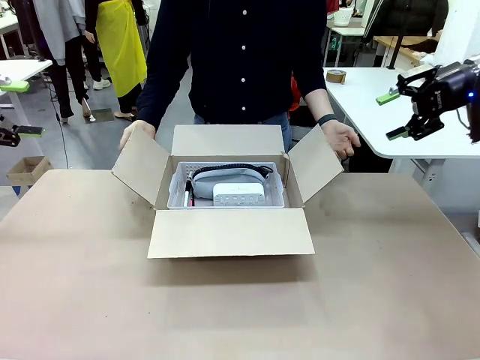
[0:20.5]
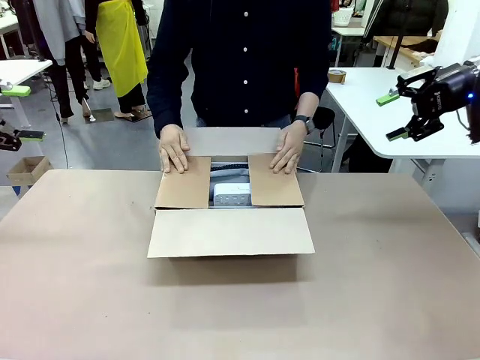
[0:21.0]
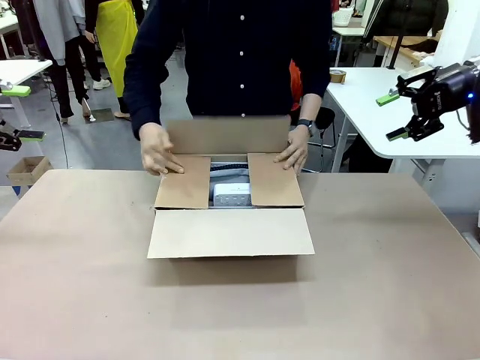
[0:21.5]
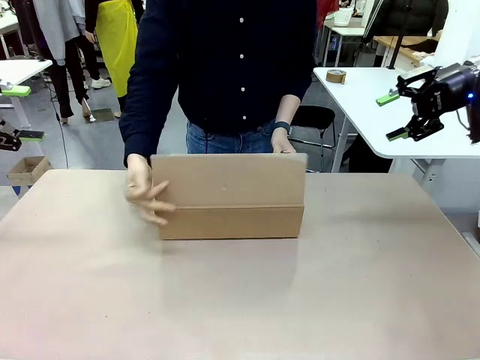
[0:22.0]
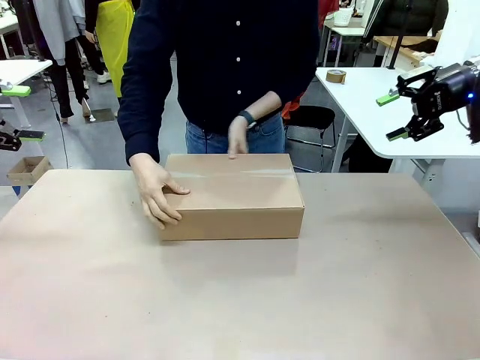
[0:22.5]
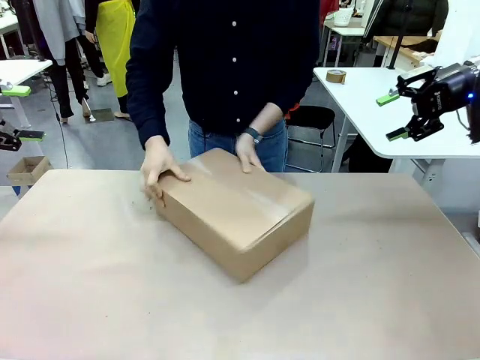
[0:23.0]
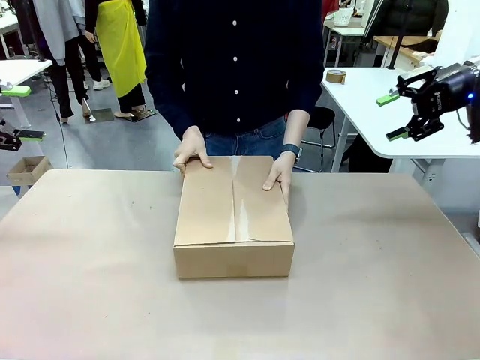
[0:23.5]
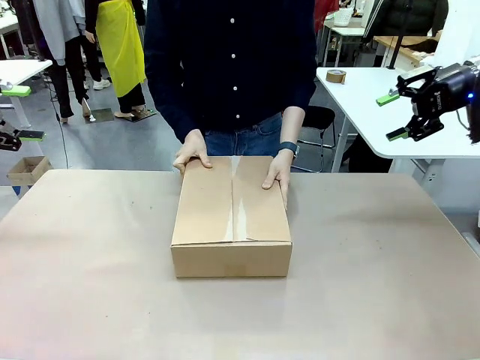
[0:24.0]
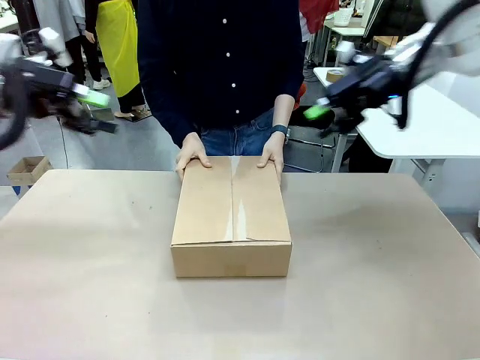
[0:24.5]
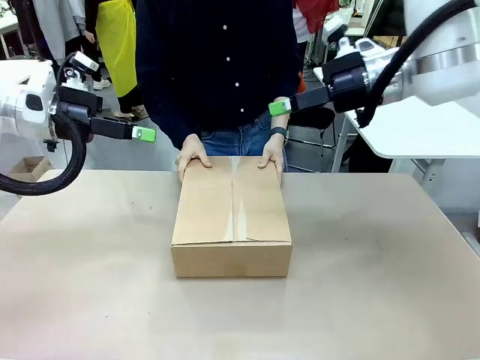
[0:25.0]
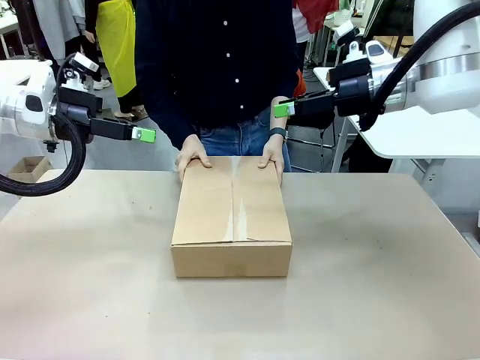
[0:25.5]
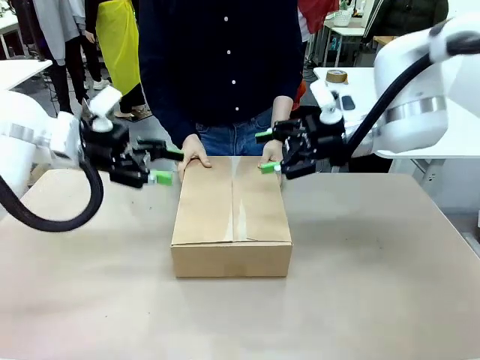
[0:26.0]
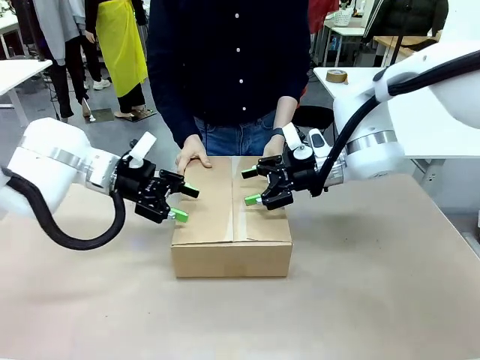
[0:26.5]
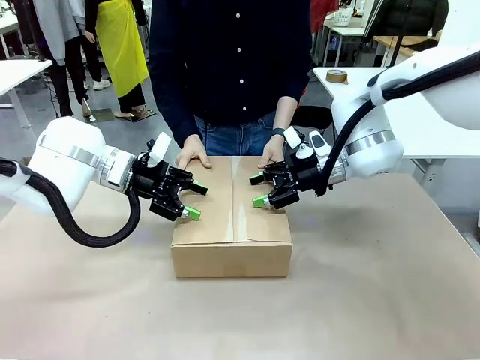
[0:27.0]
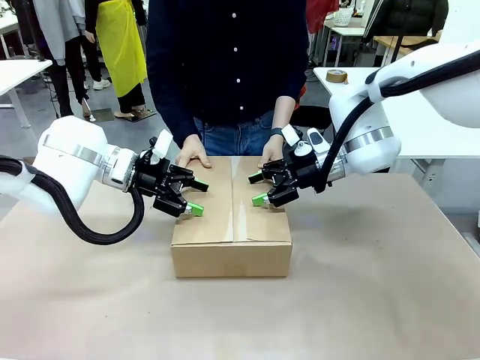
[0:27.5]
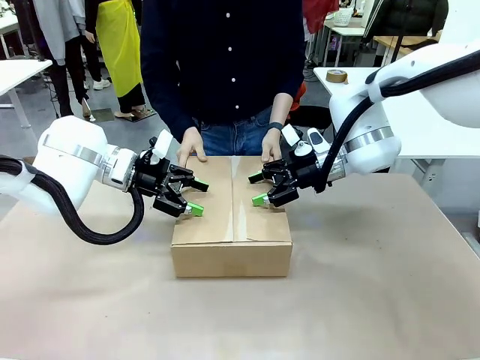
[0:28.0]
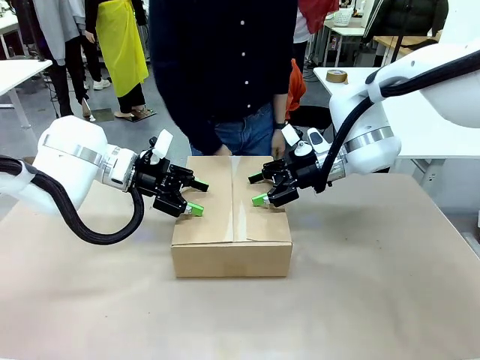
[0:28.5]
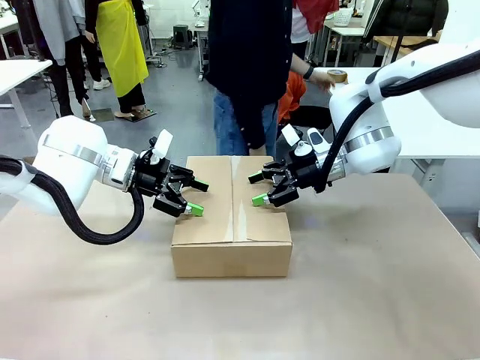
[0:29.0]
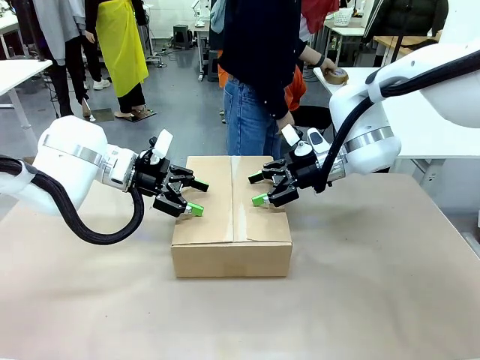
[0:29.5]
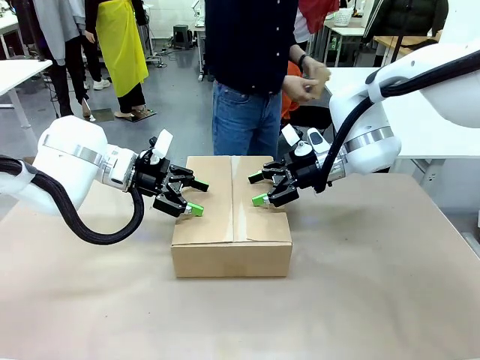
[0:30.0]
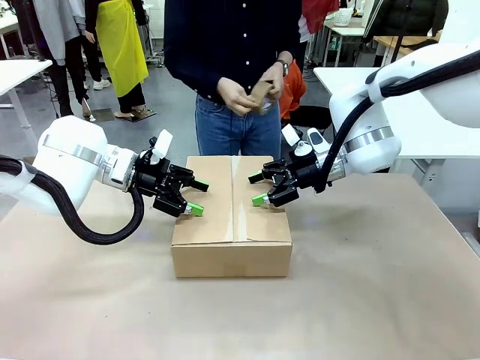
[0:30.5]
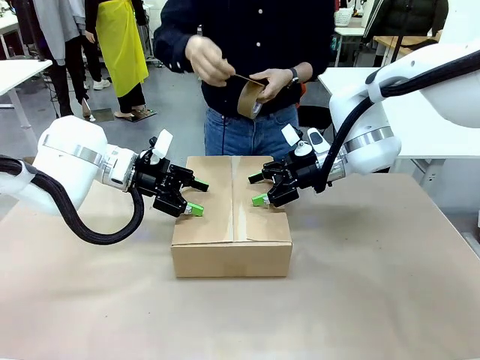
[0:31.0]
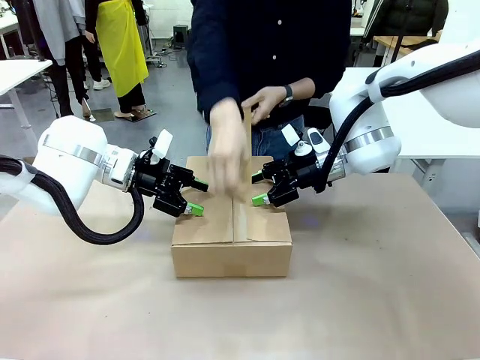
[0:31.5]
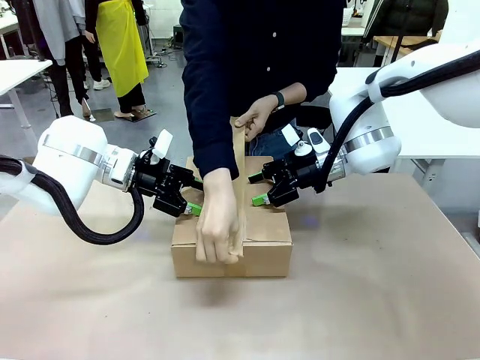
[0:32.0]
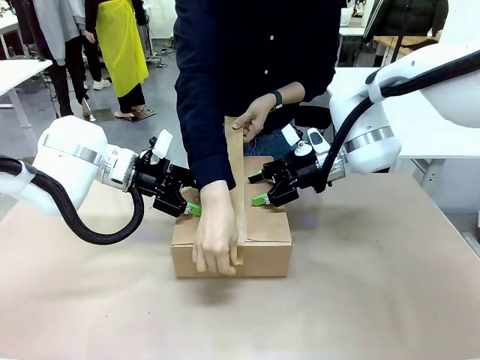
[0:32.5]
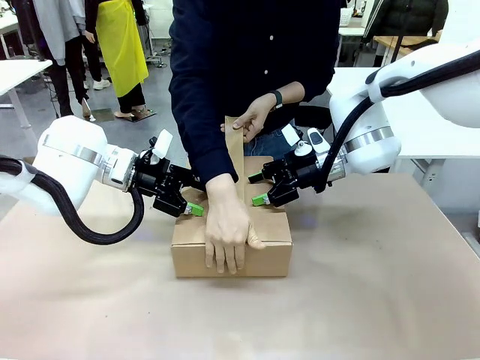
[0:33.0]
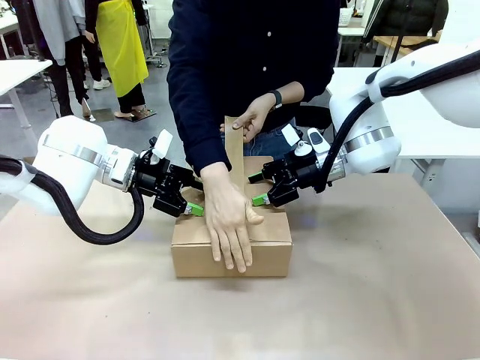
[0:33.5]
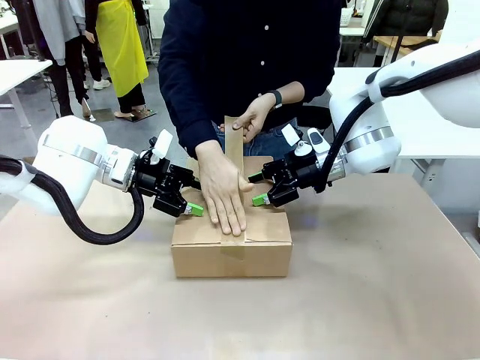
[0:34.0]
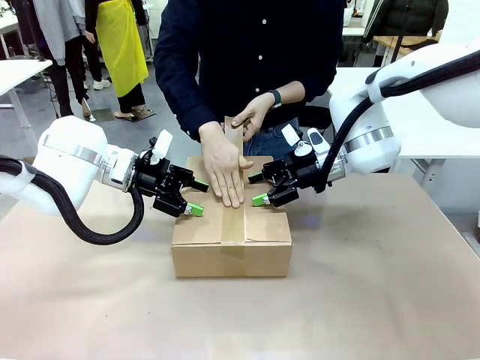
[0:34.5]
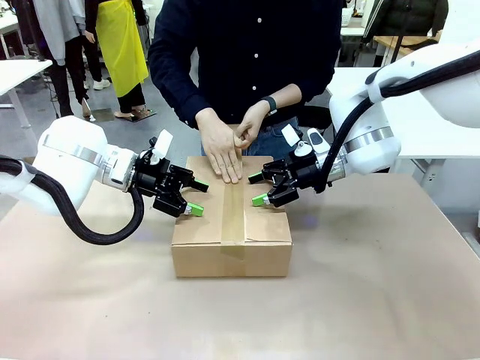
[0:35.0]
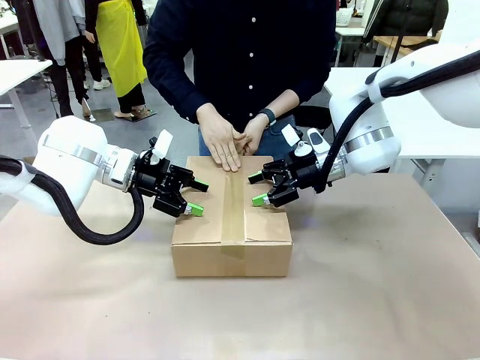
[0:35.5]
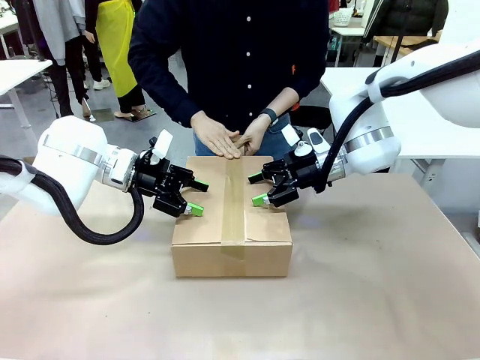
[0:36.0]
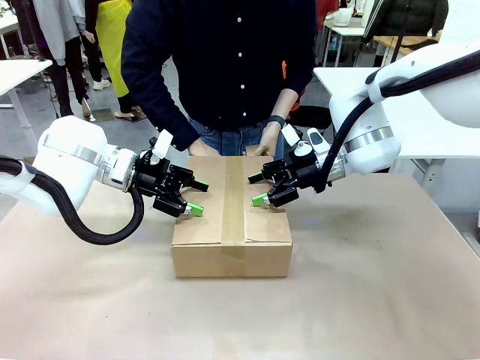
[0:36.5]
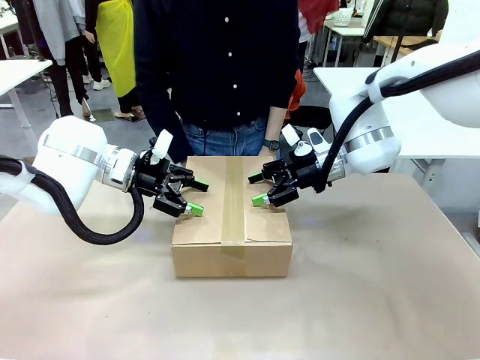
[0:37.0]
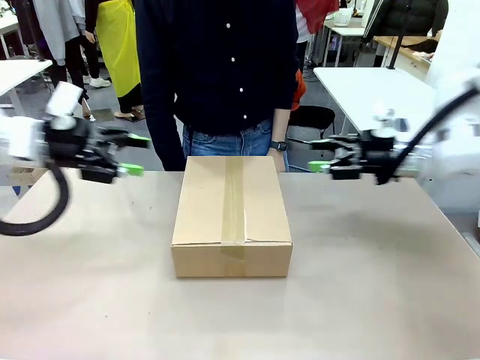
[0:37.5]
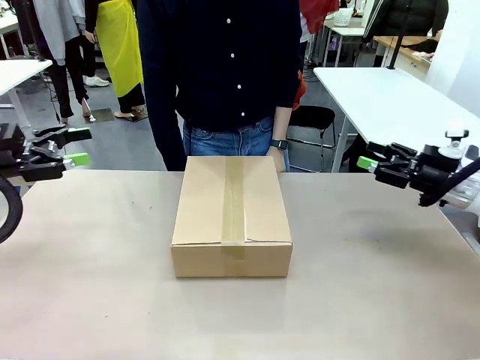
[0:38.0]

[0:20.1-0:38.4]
Task: Pack the gift set into the box.
Robot: Press and hold the closed box until the human finishes sealing it.
Person: The human closes the box and rotates the box by 90 degrees. The human picks up the paper tape from the human table and packs the box.
